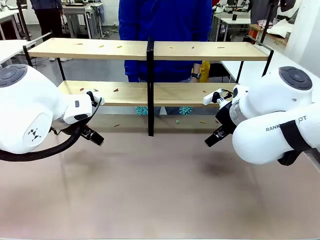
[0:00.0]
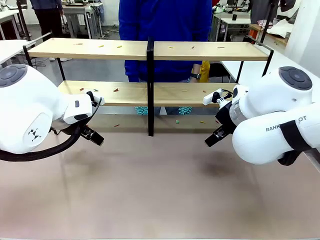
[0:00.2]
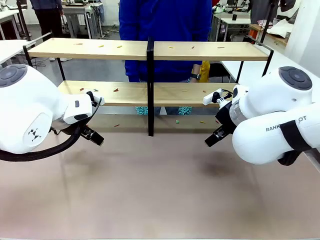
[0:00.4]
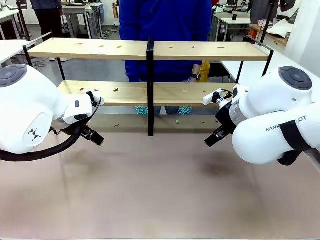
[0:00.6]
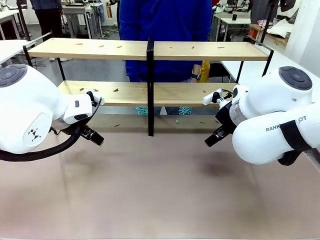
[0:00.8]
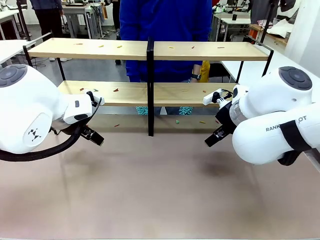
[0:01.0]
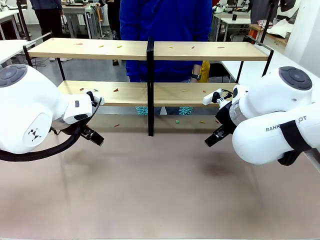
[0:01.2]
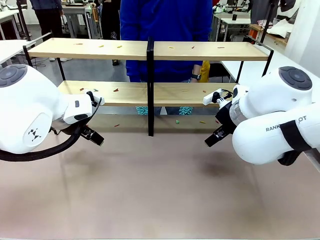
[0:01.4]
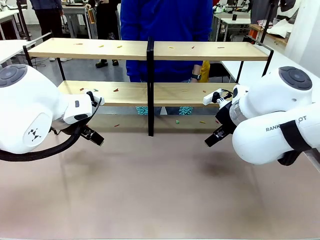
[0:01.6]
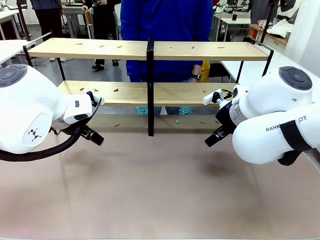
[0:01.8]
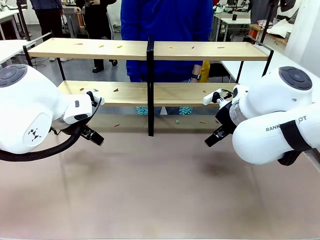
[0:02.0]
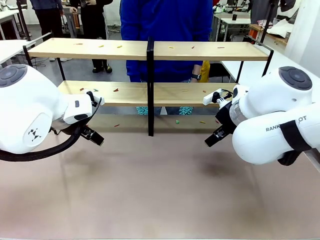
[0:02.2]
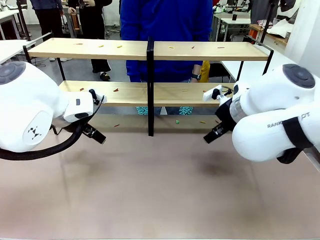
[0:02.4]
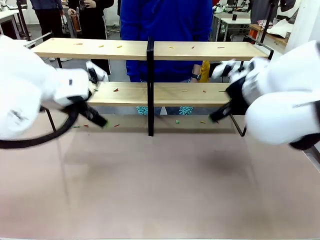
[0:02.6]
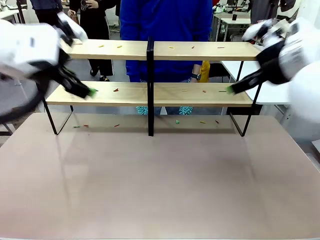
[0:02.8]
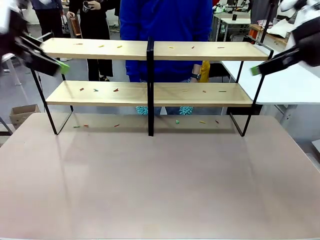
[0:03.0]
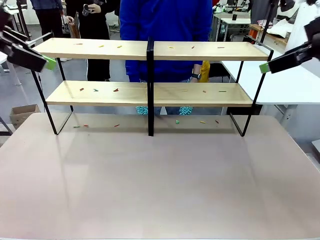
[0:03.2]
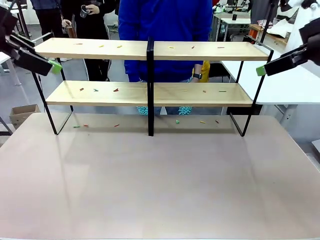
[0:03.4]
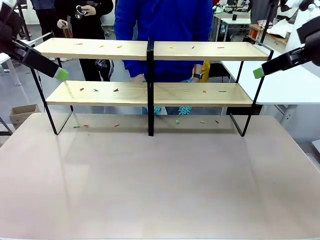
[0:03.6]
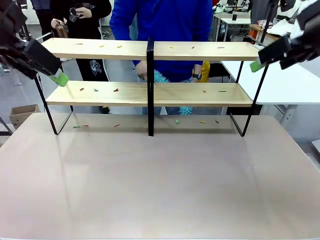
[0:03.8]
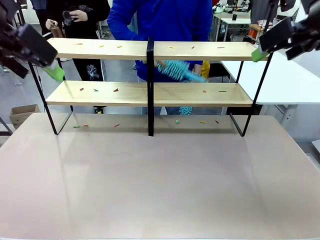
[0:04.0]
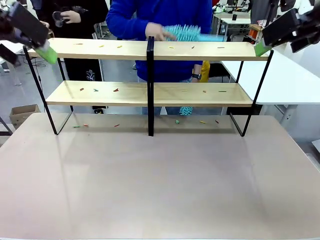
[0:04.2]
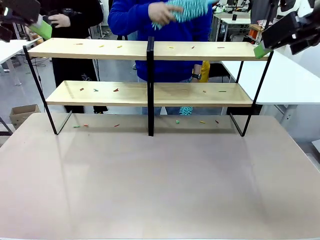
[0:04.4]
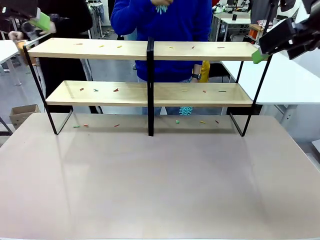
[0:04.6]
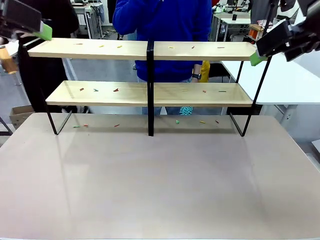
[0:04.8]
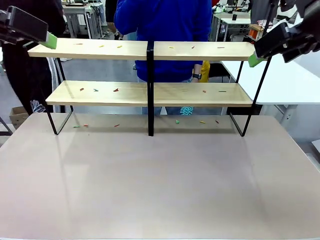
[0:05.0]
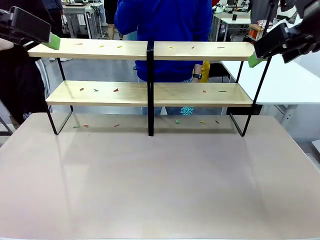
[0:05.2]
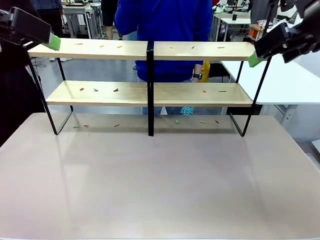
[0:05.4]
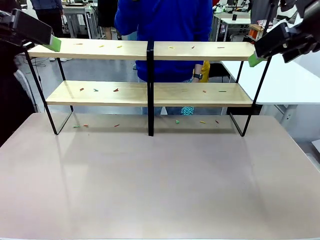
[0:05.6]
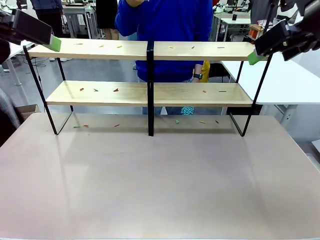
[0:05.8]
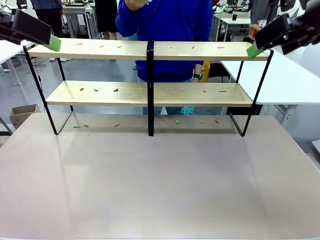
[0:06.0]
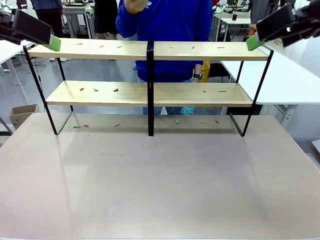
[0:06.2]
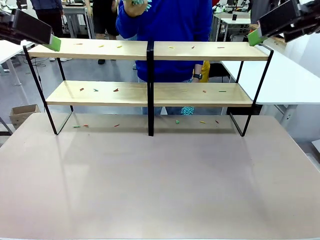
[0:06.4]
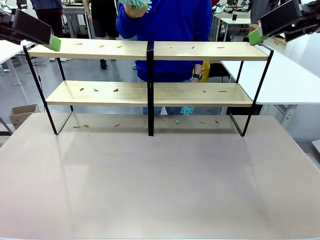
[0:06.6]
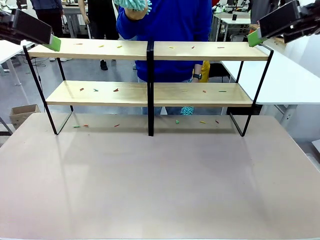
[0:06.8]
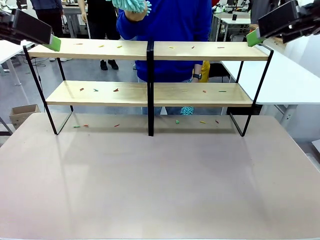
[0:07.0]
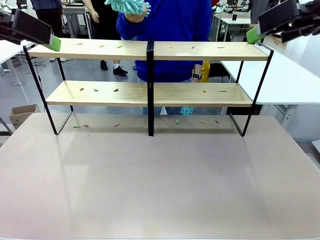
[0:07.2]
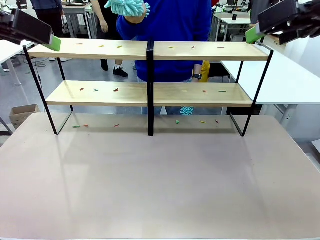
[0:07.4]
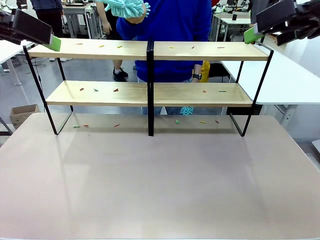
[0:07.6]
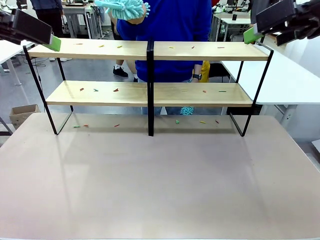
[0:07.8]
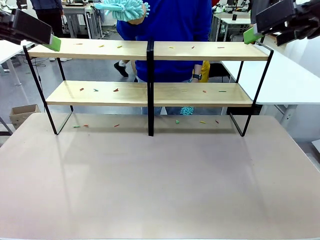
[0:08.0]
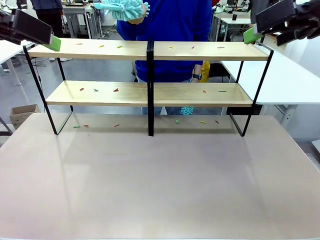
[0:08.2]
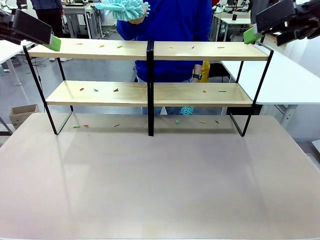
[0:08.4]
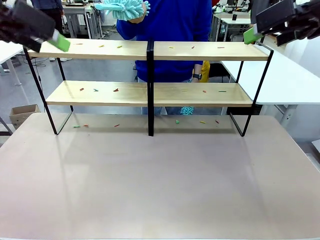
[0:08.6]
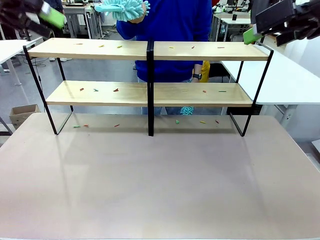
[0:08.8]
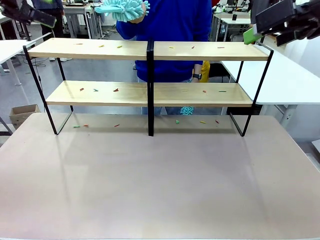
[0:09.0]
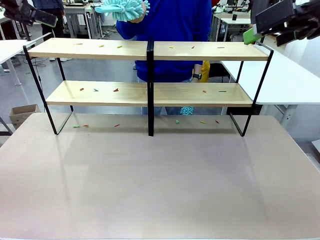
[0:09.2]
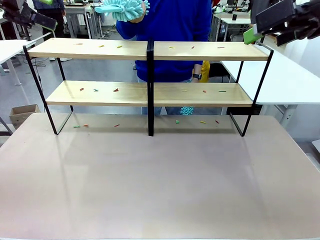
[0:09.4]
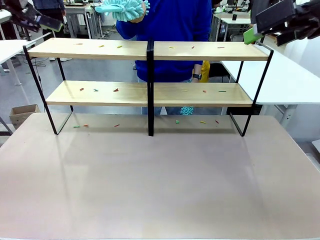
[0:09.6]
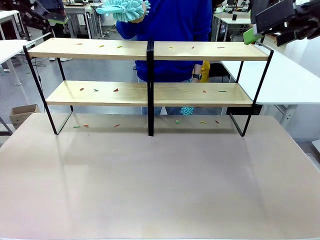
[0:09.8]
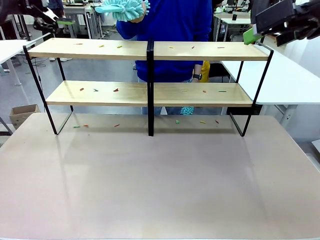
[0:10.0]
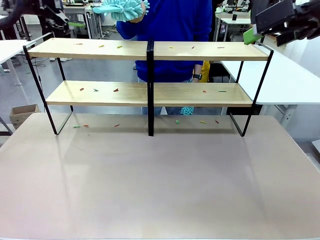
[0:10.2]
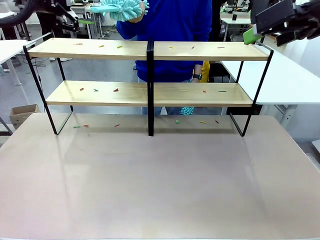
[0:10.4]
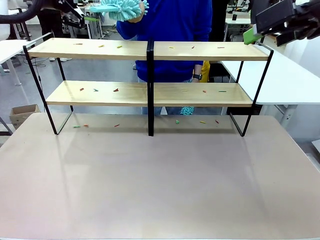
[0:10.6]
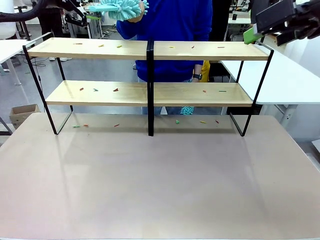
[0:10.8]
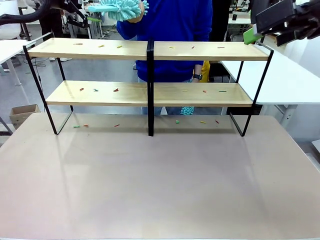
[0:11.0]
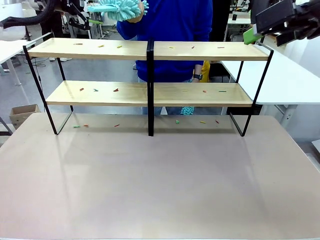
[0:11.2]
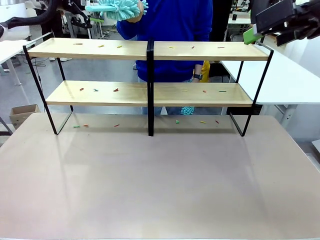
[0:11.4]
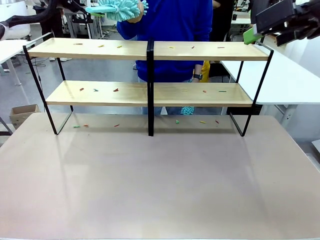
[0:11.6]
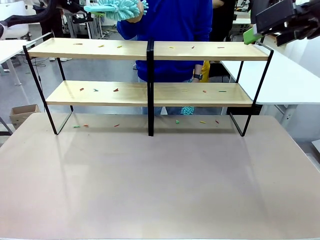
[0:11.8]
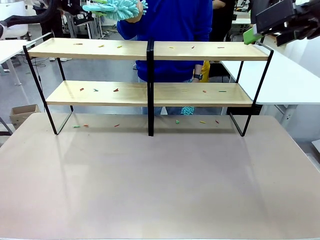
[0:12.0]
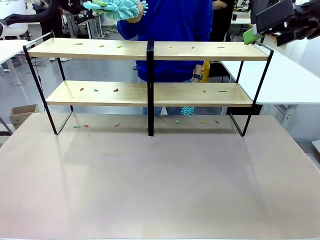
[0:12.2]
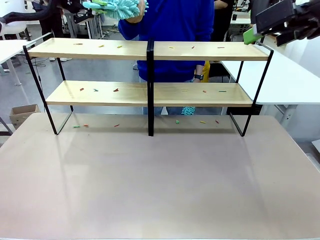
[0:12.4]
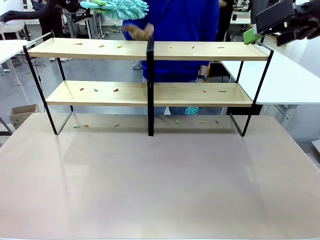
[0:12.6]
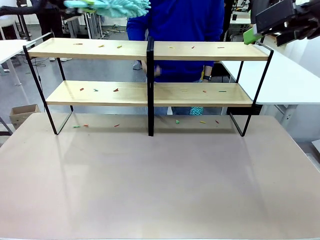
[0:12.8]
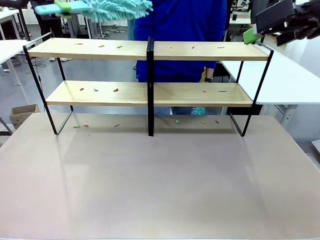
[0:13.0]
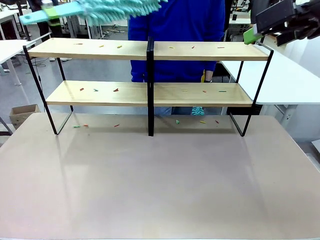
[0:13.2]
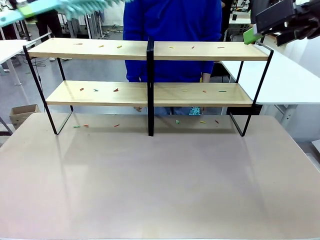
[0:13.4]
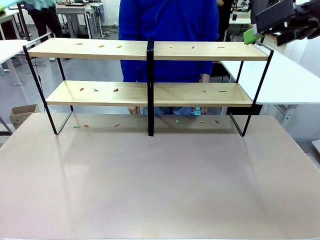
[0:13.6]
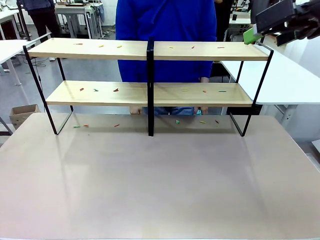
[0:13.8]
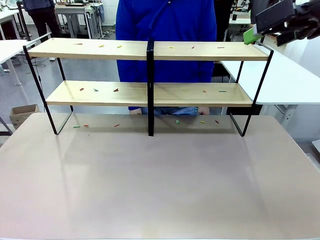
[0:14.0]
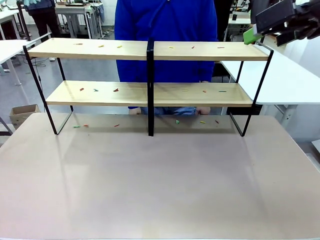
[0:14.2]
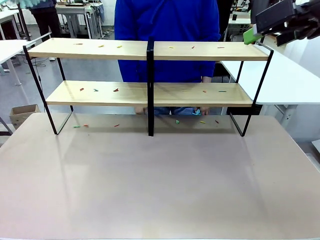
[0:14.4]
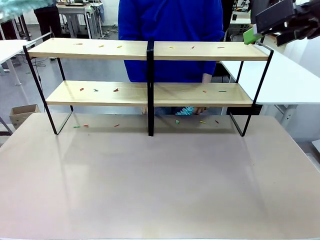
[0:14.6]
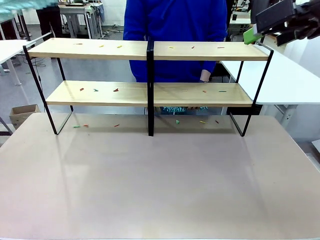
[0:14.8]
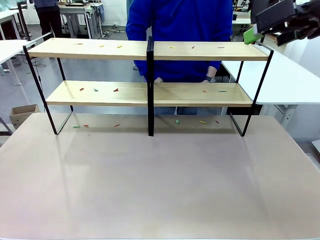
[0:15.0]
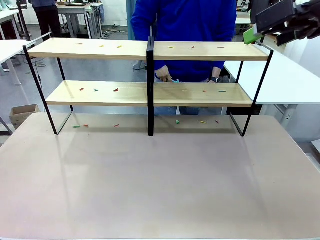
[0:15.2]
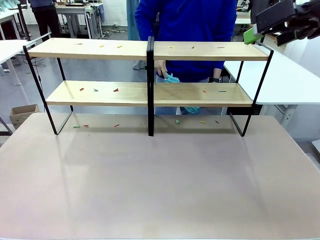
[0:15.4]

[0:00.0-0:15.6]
Task: Clean the shelves.
Robot: Pick up the Duster when the human hands it over.
Person: Hand the Duster to the robot with your right (or left) hand.
